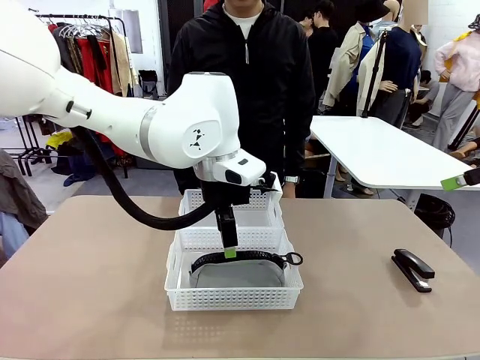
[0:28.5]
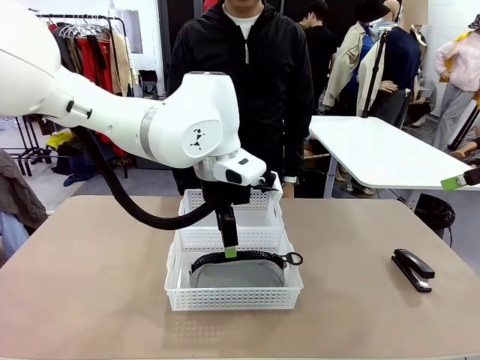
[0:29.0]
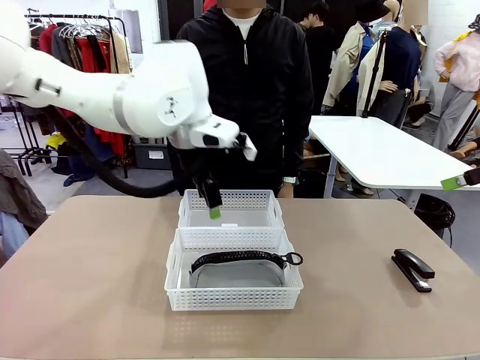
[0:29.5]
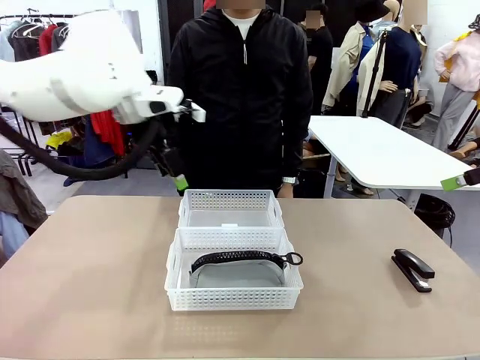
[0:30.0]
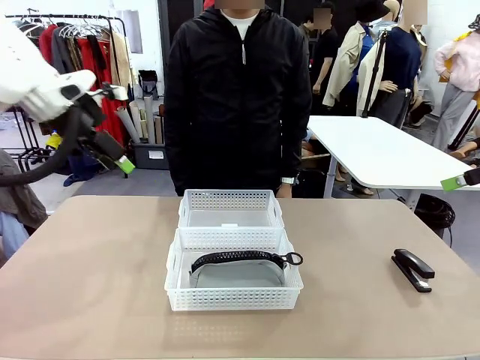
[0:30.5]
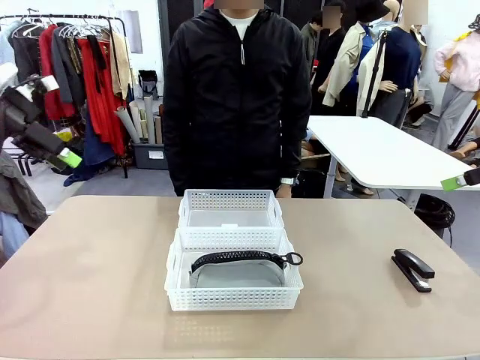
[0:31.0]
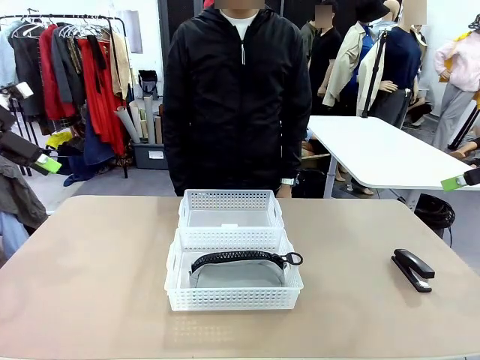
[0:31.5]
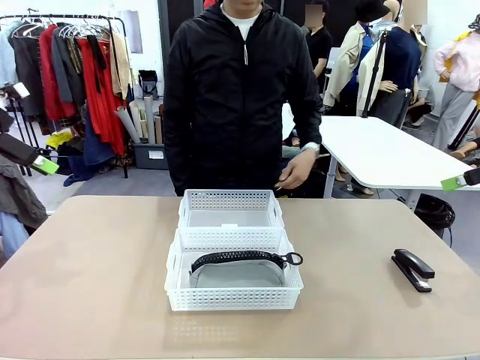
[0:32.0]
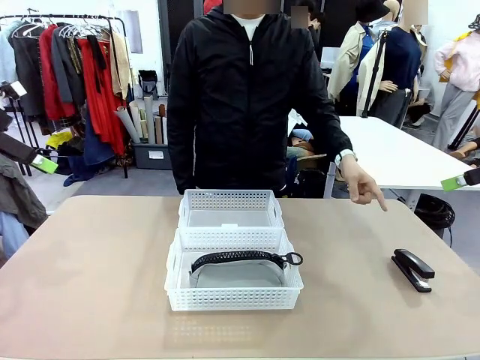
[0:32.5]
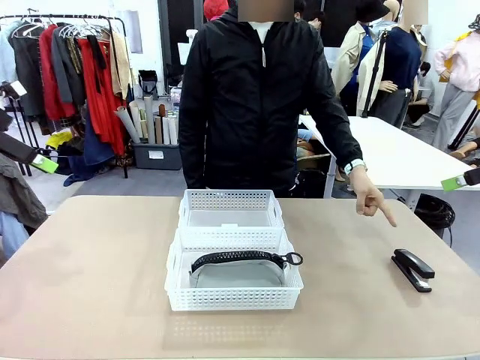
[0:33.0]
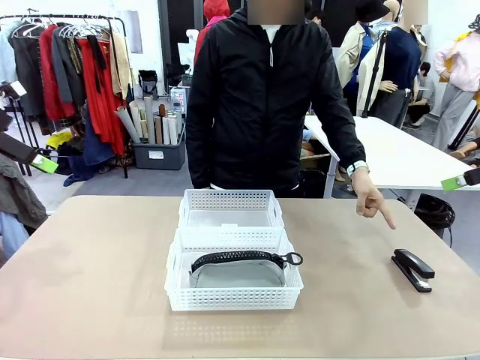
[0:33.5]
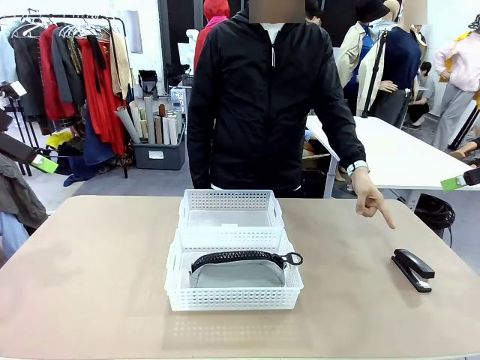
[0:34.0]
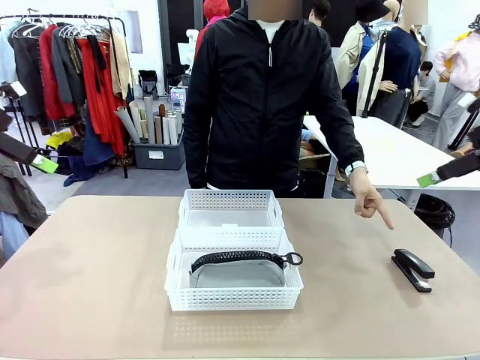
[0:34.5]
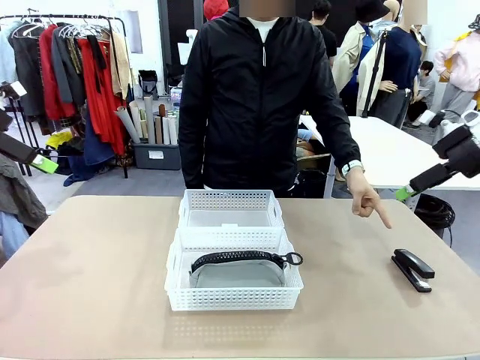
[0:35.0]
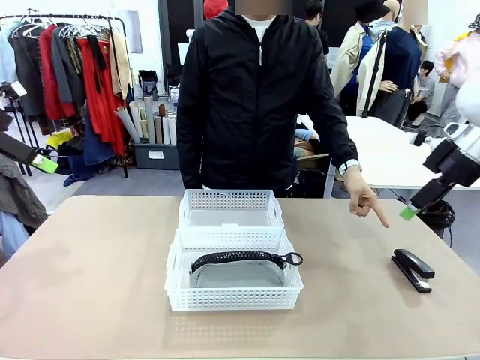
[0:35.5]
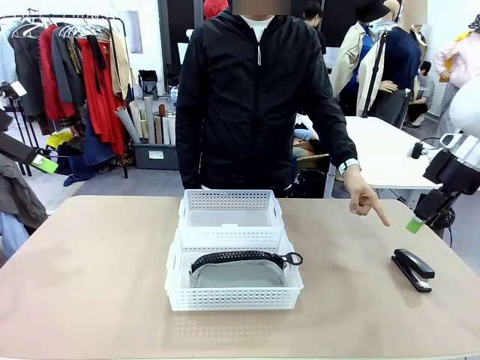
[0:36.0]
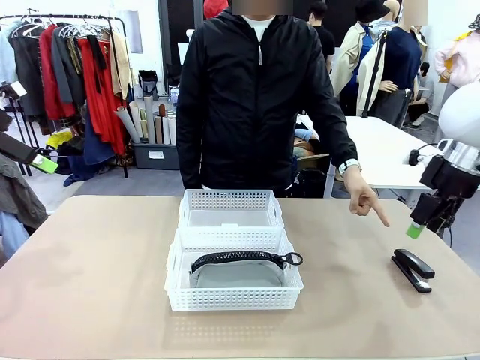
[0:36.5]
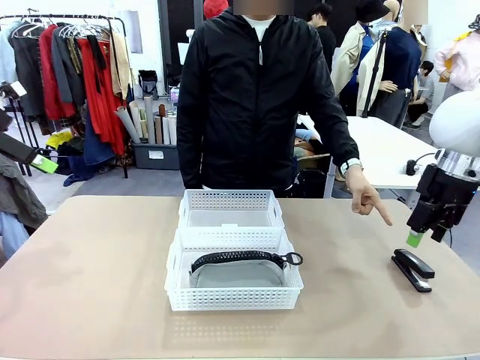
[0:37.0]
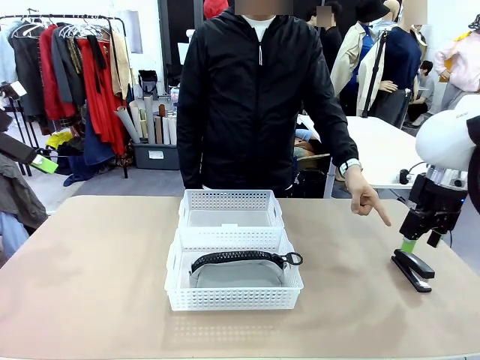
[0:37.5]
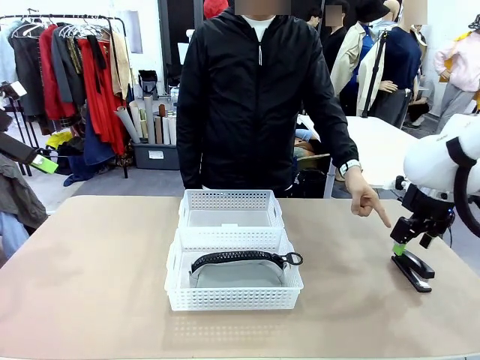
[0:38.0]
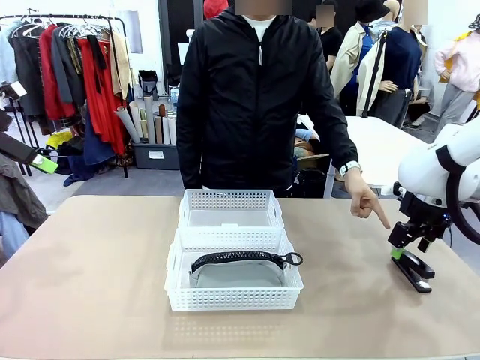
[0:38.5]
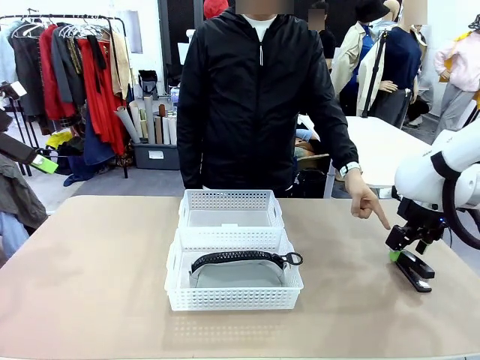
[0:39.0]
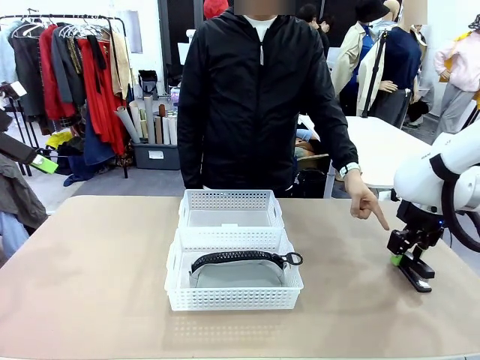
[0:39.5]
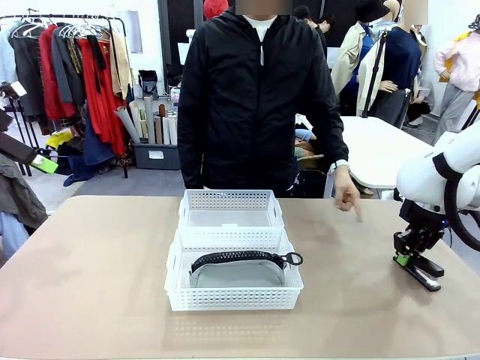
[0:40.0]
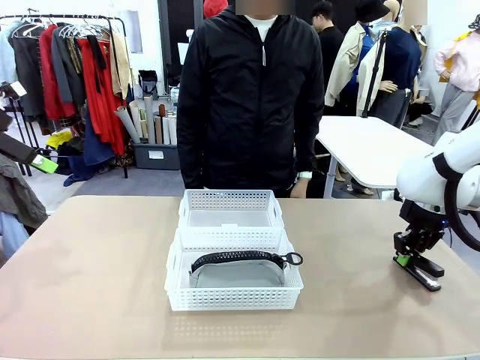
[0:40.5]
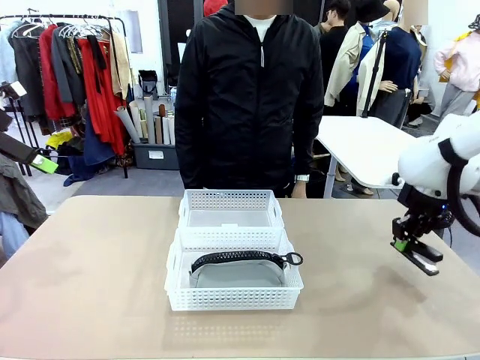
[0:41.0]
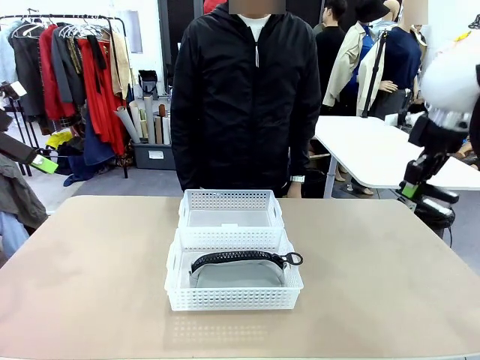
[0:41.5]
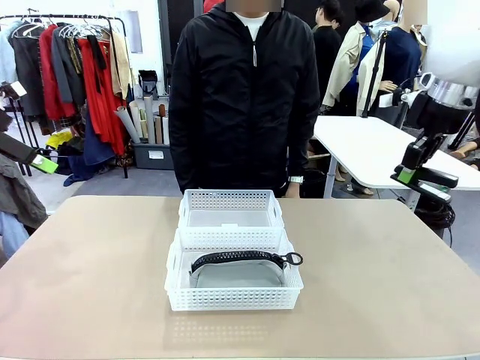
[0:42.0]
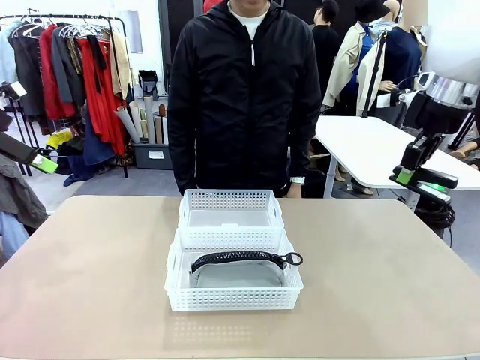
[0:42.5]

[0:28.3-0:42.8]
Task: Distribute items into two baskets.
Robot: Pick up the Stapler that the person points to.

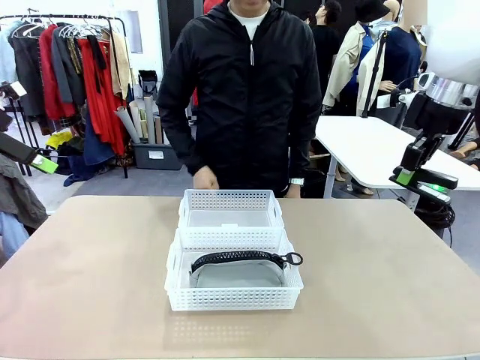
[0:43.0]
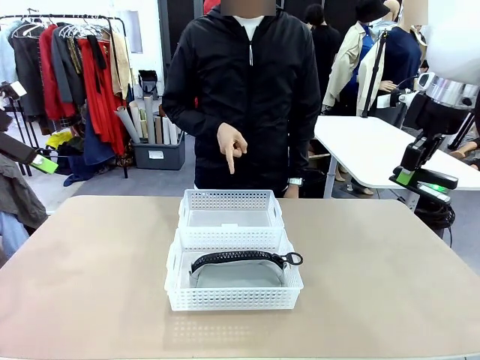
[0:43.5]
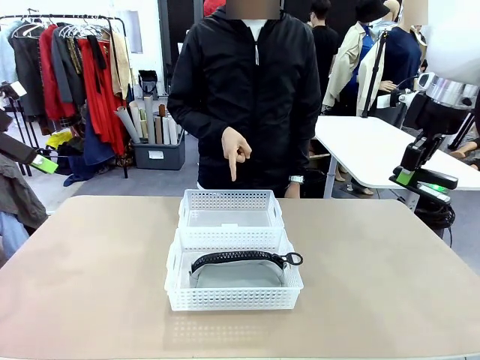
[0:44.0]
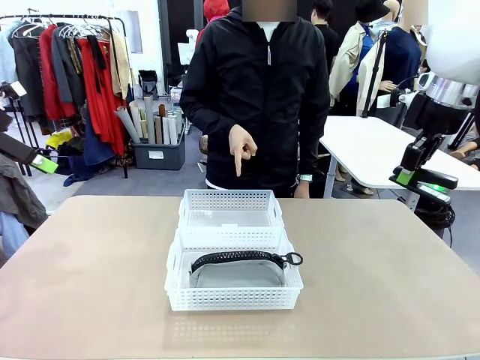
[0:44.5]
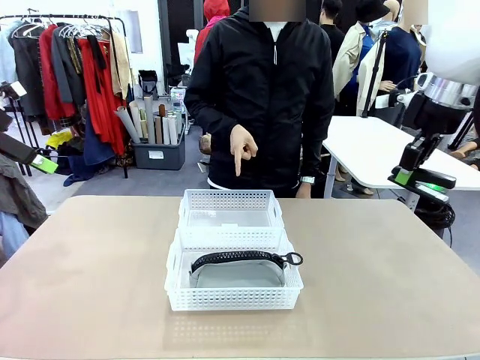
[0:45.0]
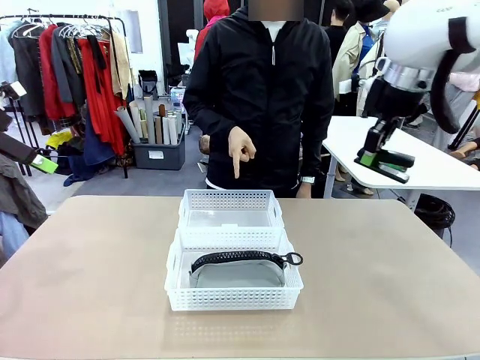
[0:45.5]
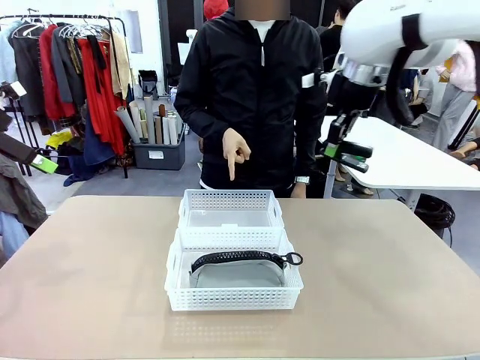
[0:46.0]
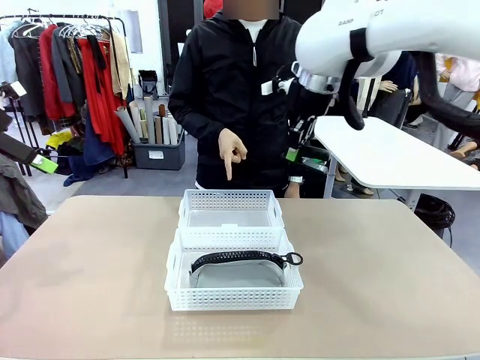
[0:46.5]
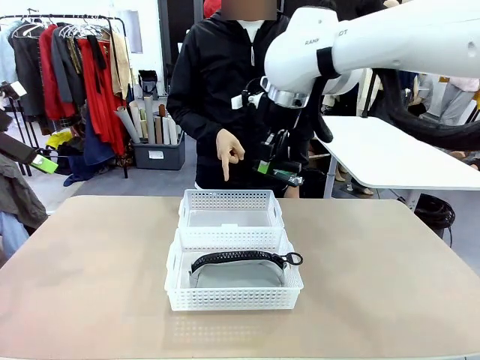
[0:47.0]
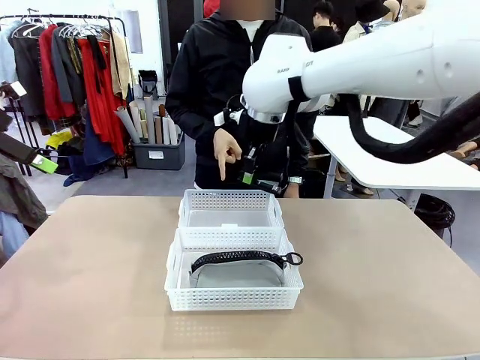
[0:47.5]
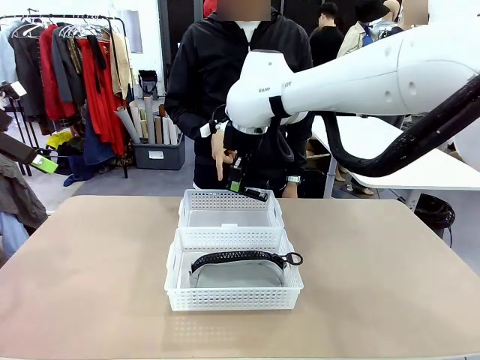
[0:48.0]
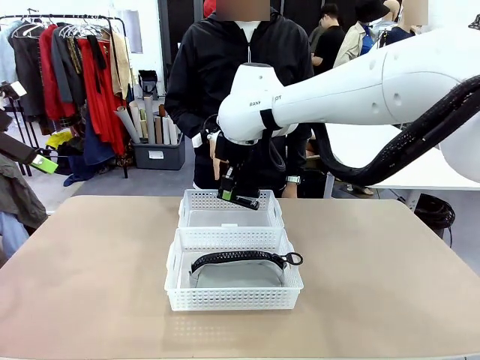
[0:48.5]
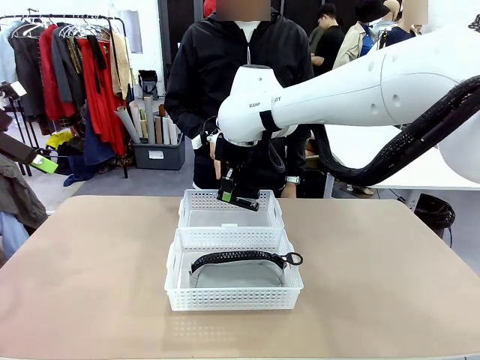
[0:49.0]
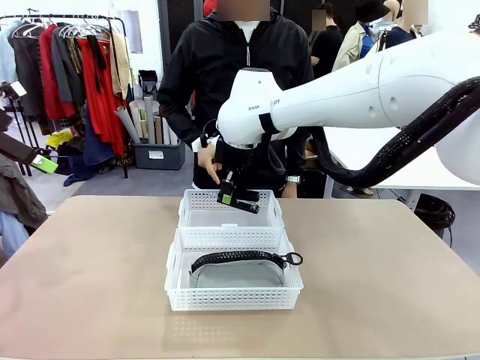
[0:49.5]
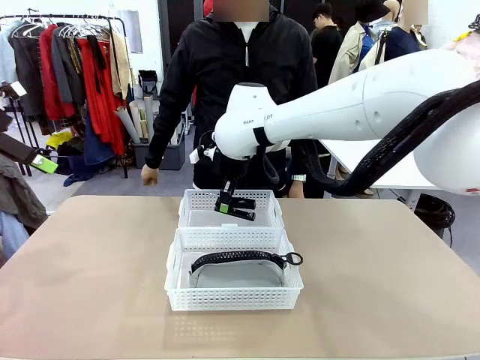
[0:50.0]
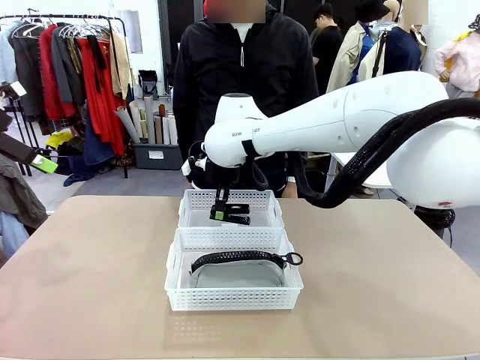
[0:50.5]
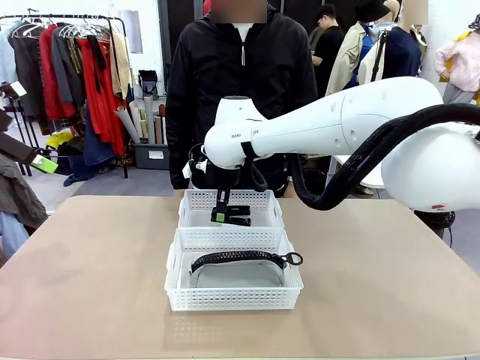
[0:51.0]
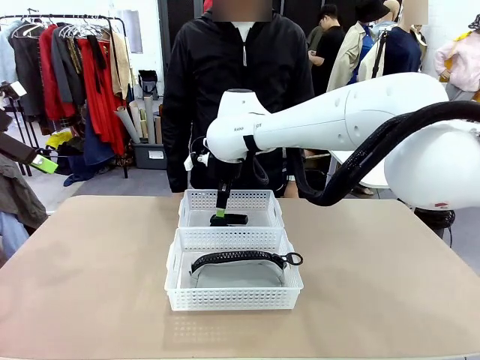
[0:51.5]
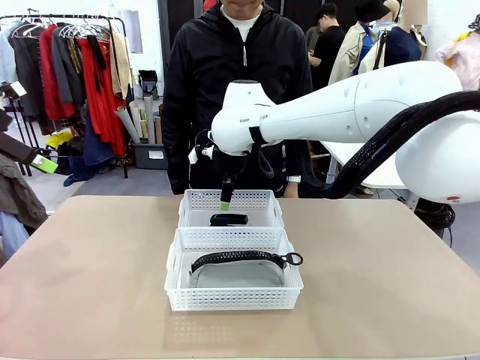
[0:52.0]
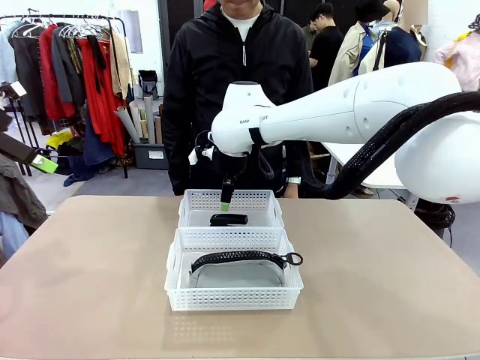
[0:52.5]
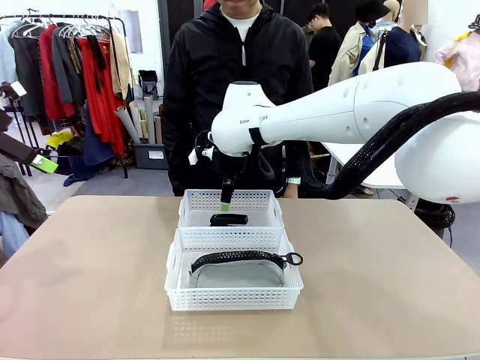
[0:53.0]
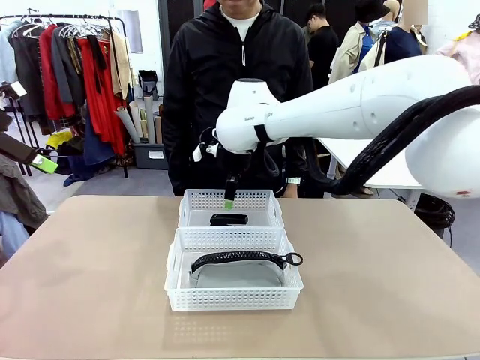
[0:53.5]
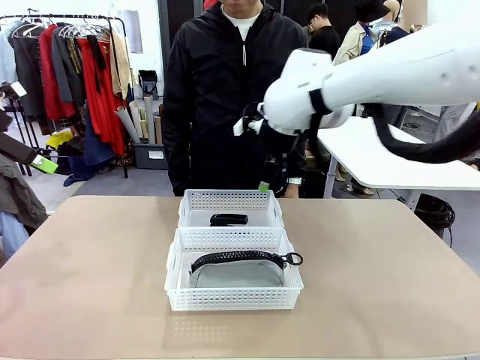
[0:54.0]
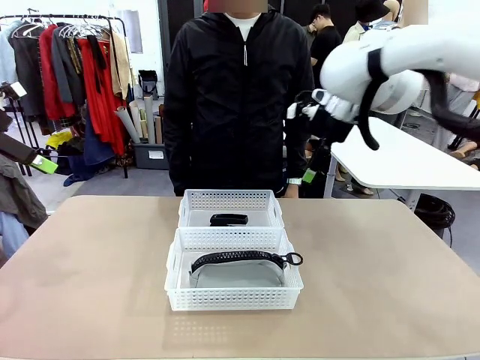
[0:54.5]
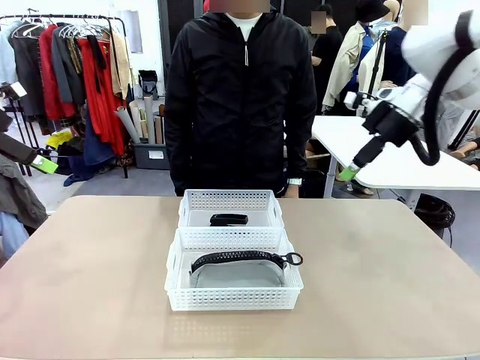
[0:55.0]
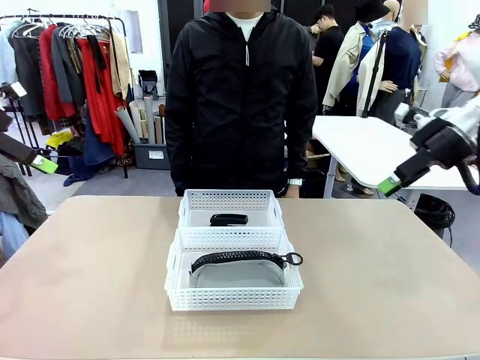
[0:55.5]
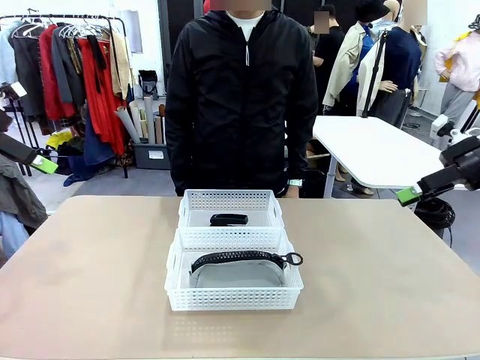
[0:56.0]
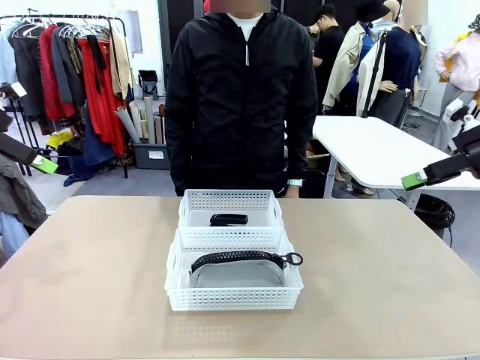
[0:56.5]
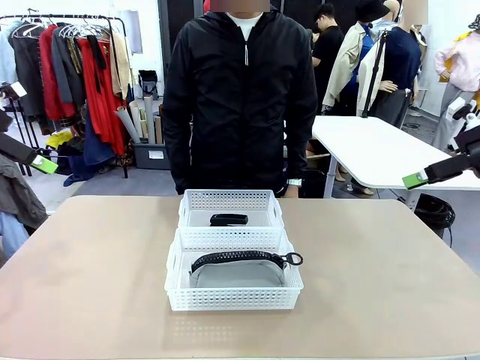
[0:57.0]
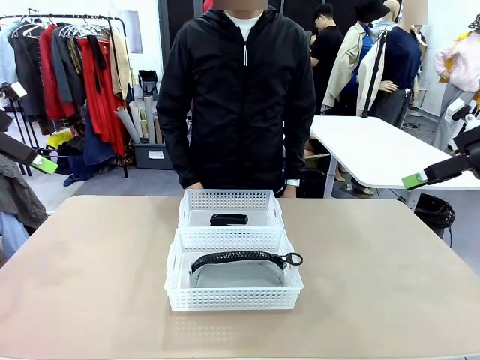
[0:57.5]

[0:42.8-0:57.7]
Robot: Place the picked Stapler into the Organizing basket as instructed by the person.
Person: Points to the basket that does not contain the pencil case and instructs the robot to move the stapler there.
